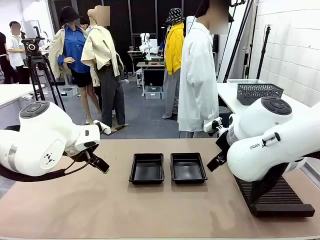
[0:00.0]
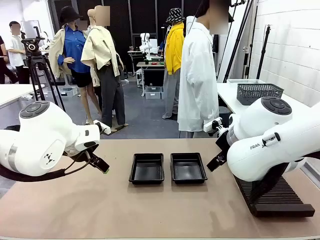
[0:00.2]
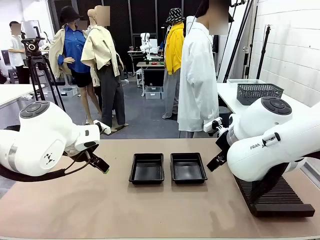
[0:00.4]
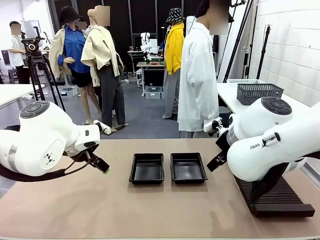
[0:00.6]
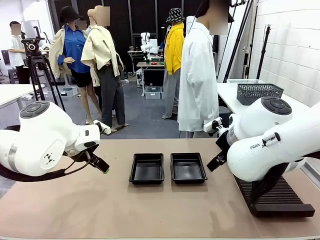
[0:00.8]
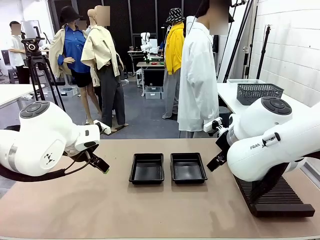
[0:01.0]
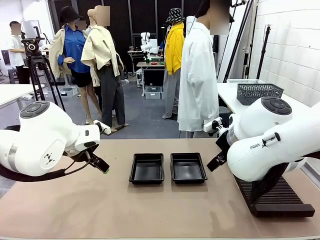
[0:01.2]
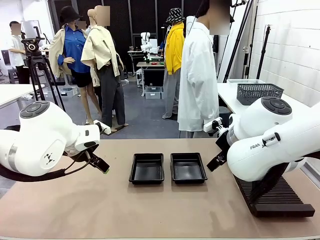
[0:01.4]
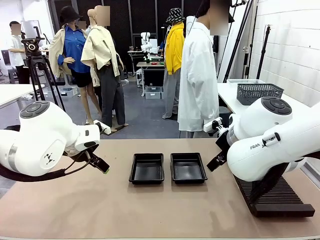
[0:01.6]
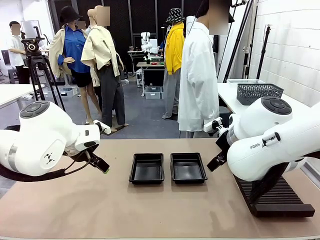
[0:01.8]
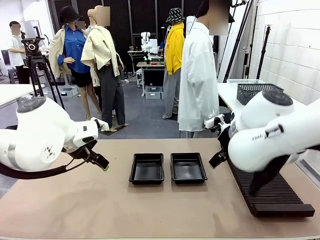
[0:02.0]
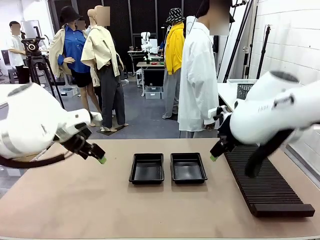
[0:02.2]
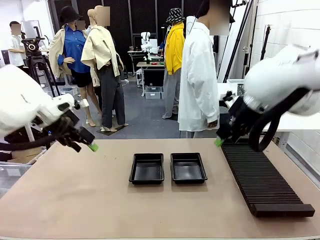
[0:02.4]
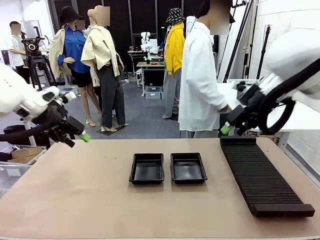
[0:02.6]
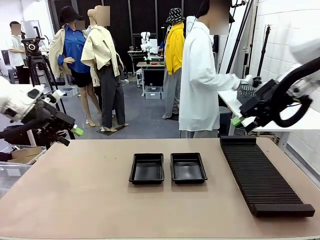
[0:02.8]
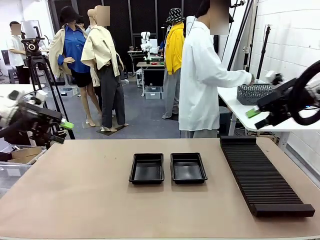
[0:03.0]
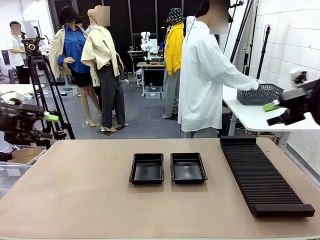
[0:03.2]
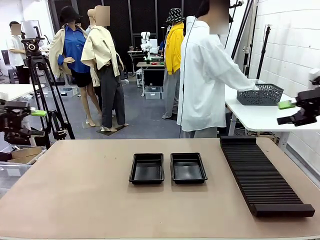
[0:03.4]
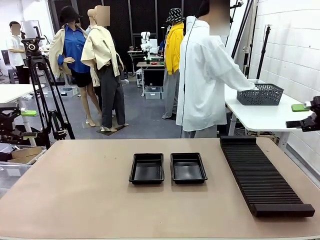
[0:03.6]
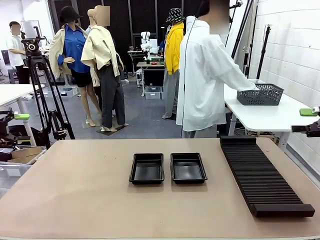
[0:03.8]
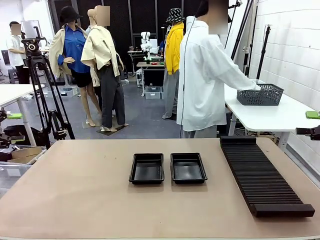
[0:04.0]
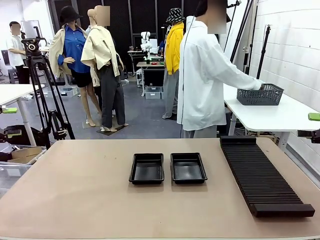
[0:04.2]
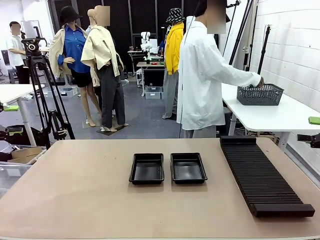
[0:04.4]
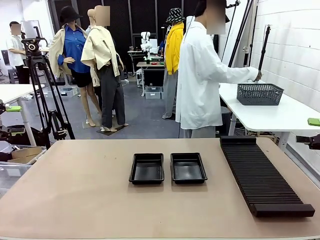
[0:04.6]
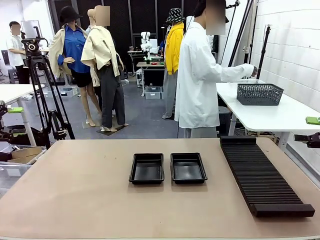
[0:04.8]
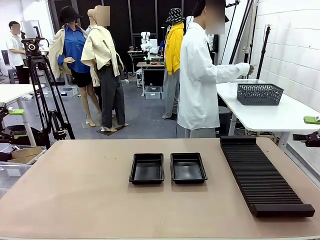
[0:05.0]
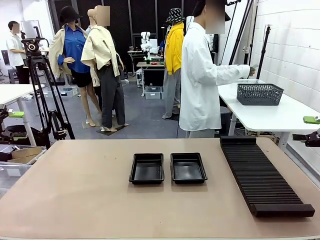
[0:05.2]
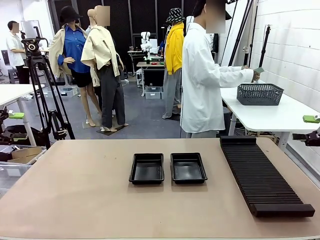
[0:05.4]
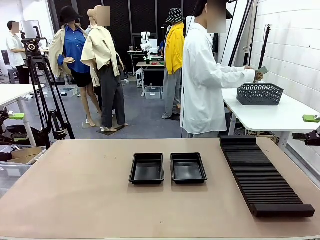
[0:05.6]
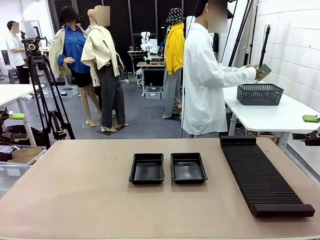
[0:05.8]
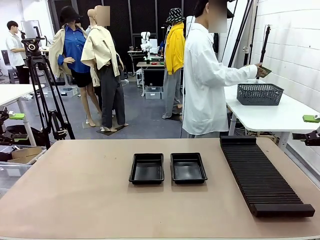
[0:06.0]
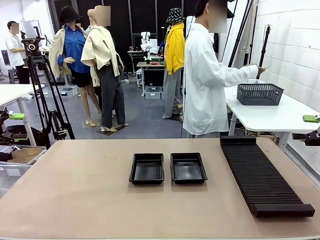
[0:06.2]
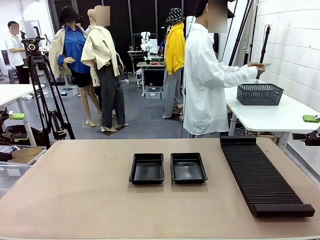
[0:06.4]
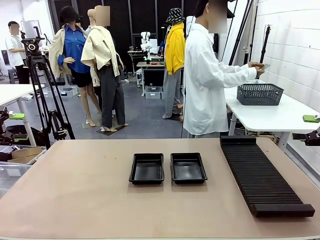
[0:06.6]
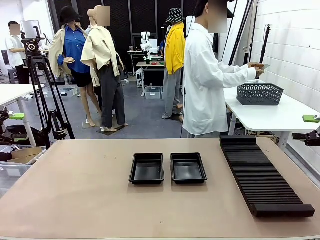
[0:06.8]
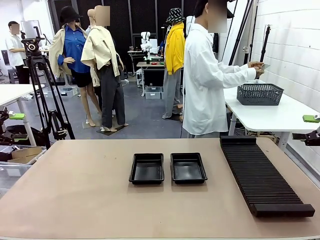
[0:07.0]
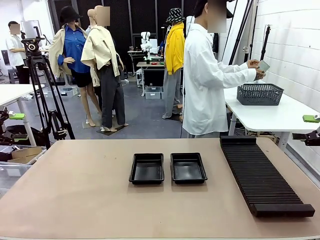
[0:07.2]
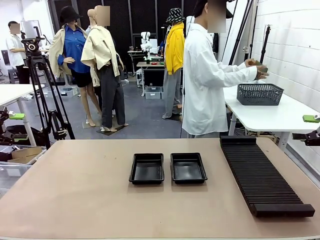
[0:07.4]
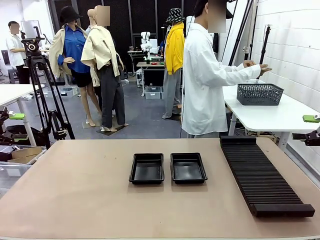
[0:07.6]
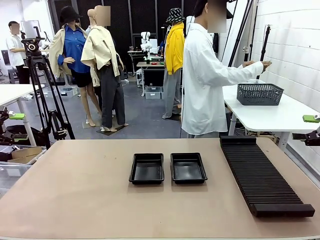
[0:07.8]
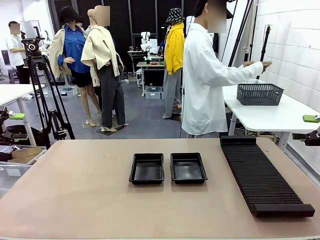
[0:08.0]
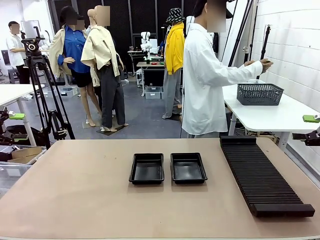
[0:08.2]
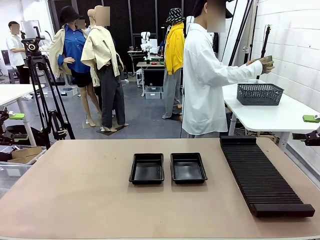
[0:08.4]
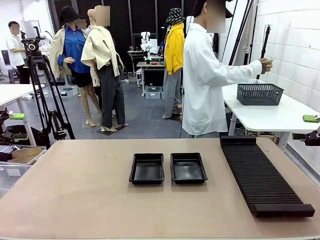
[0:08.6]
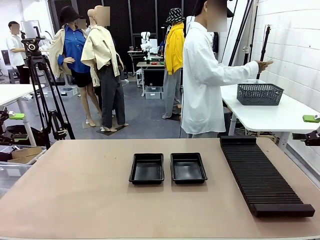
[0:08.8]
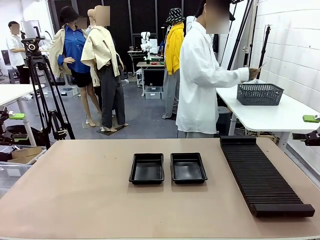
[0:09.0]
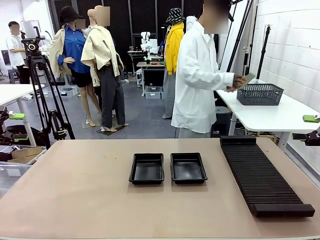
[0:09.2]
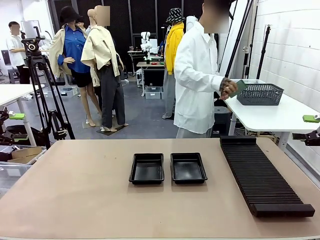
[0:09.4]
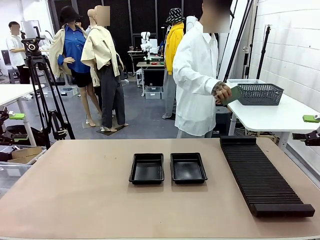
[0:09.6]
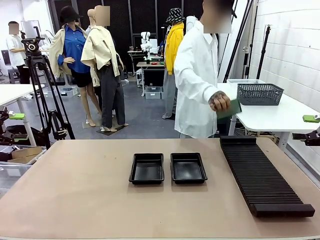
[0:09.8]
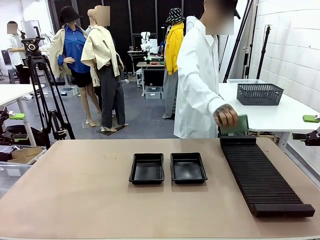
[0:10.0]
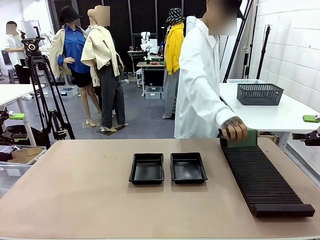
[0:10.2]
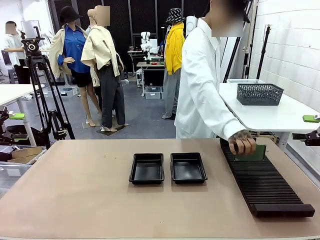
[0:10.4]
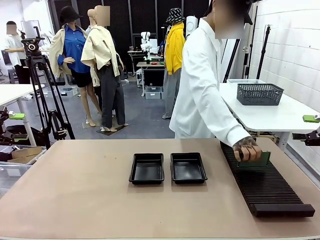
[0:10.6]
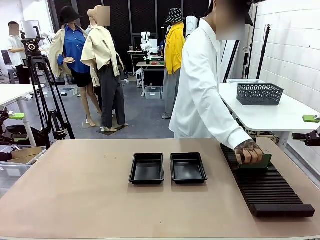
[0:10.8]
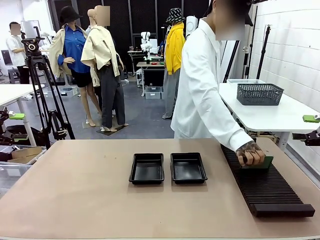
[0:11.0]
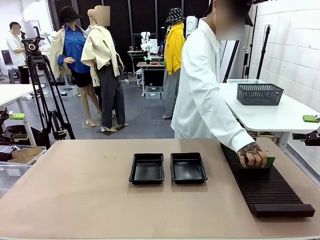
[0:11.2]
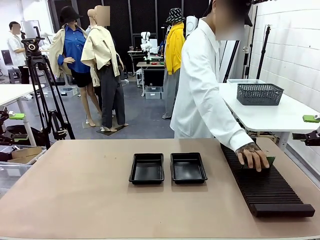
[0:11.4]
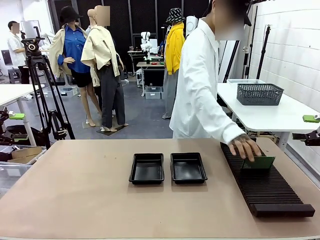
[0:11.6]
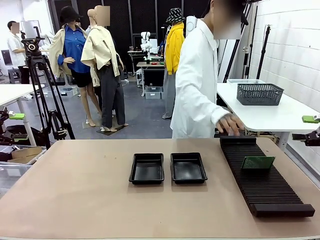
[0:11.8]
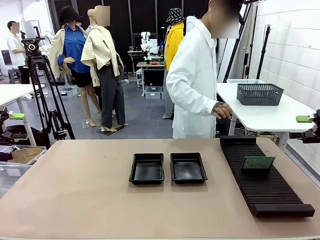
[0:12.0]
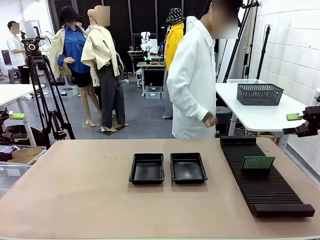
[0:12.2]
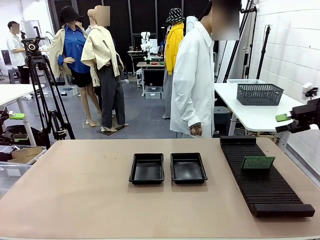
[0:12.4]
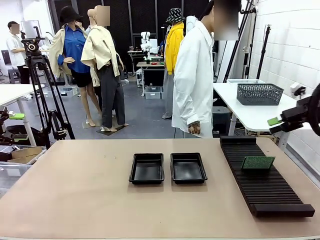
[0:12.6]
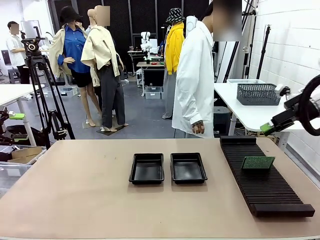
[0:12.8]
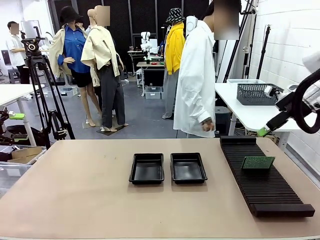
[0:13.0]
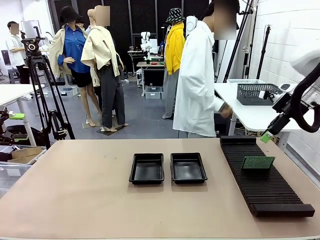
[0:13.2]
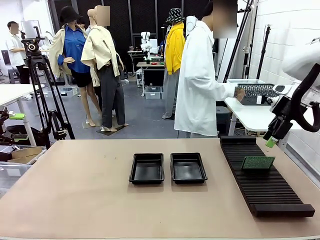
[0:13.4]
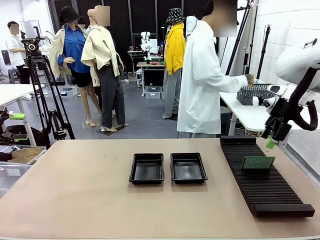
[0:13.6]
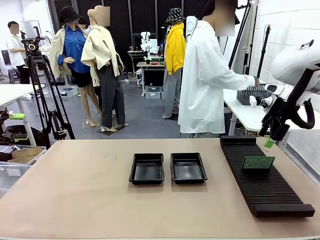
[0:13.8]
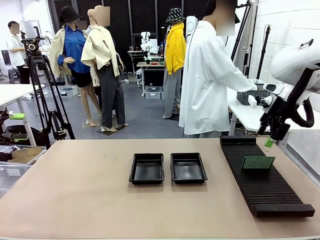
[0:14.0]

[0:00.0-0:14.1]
Task: Inspect and transfer BCBs to ESD trays.
Robot: Pick up the Blank PCB from the PCB Rack and place it in the left ESD tray.

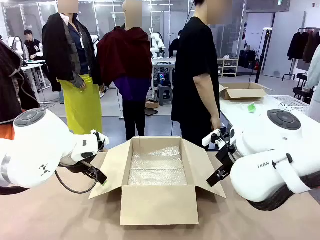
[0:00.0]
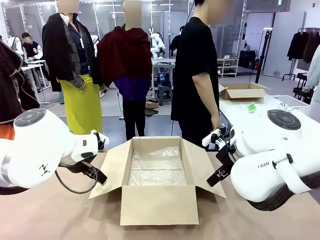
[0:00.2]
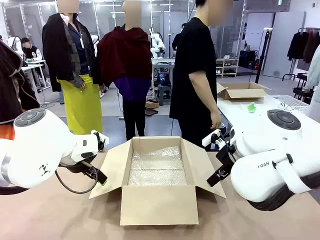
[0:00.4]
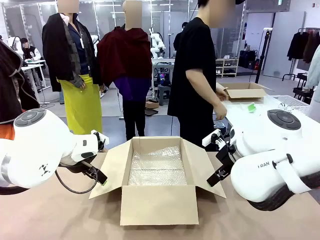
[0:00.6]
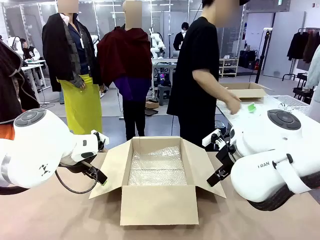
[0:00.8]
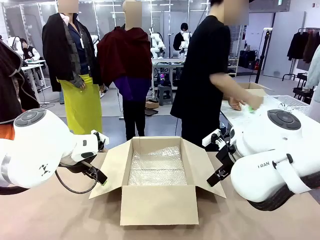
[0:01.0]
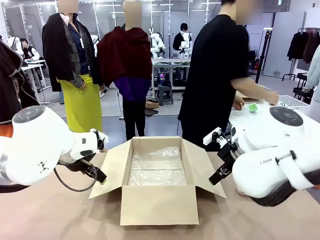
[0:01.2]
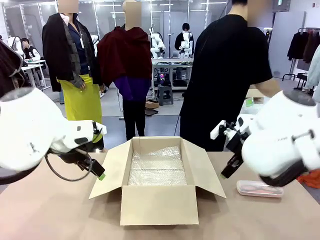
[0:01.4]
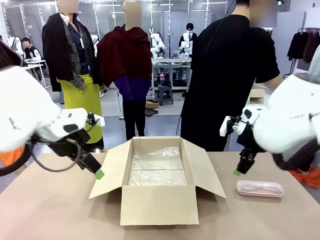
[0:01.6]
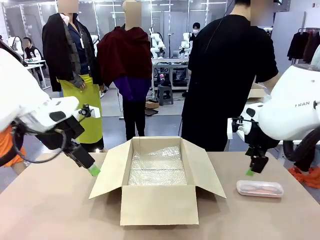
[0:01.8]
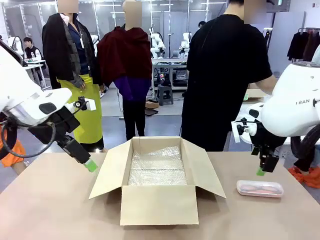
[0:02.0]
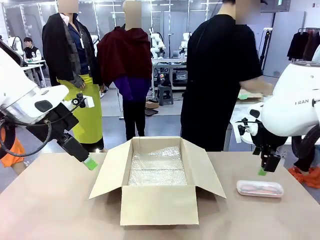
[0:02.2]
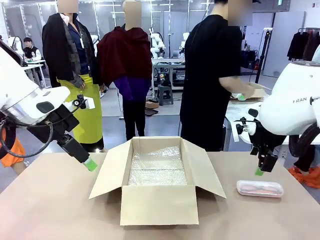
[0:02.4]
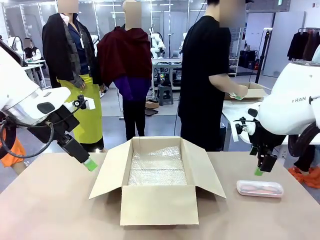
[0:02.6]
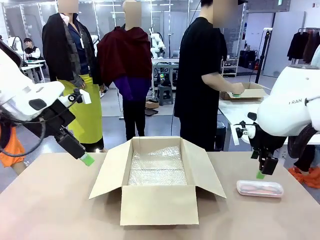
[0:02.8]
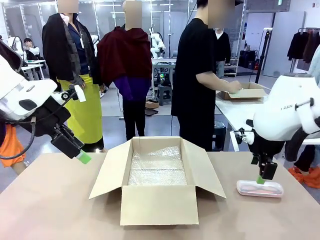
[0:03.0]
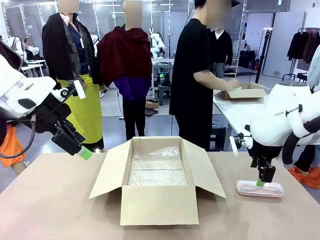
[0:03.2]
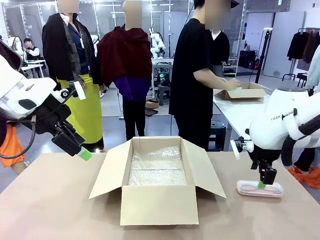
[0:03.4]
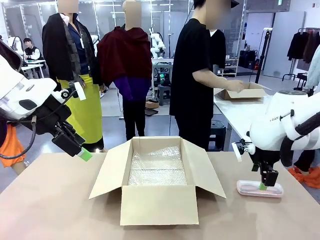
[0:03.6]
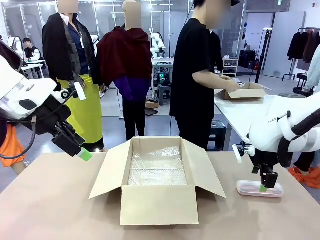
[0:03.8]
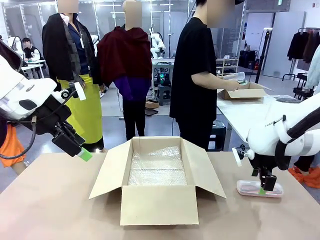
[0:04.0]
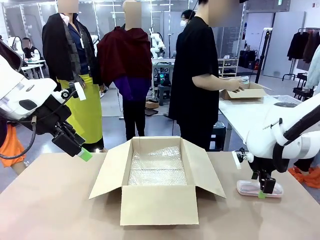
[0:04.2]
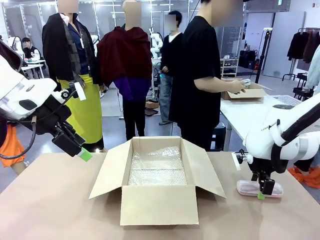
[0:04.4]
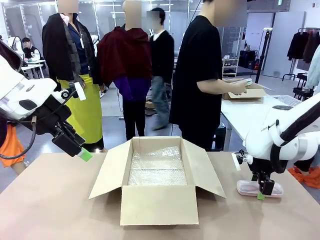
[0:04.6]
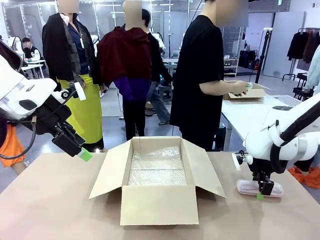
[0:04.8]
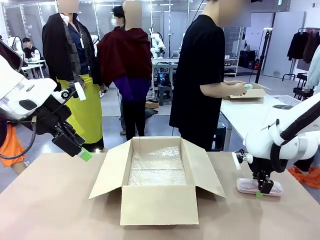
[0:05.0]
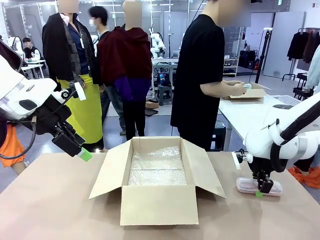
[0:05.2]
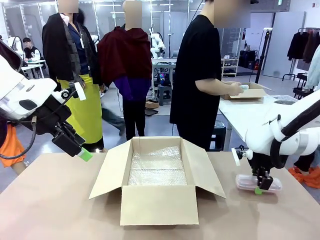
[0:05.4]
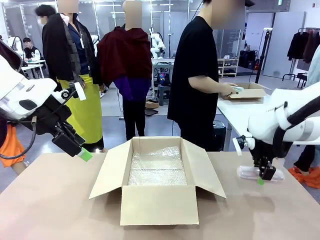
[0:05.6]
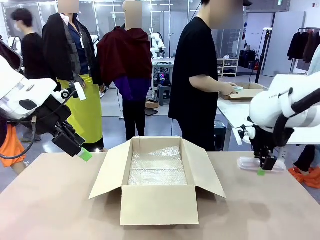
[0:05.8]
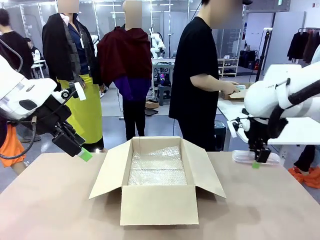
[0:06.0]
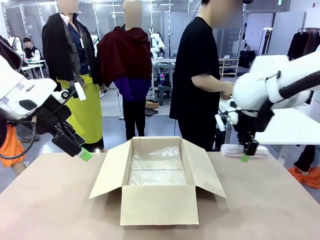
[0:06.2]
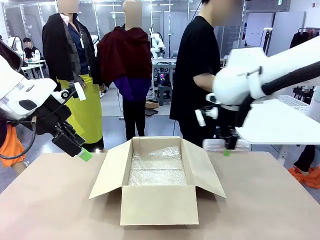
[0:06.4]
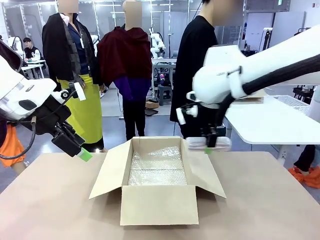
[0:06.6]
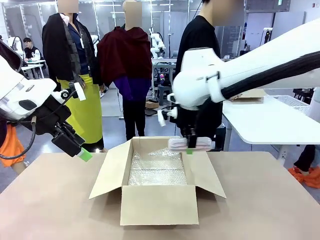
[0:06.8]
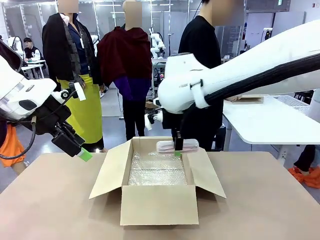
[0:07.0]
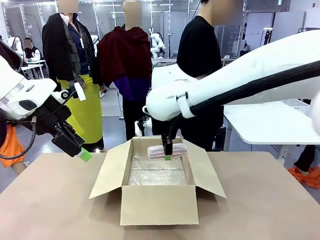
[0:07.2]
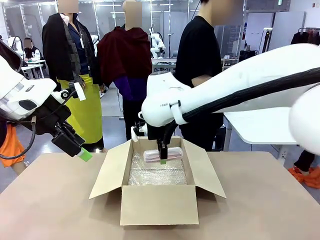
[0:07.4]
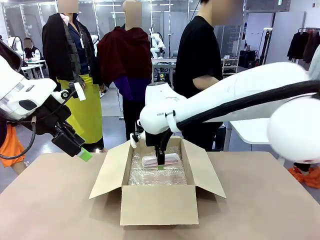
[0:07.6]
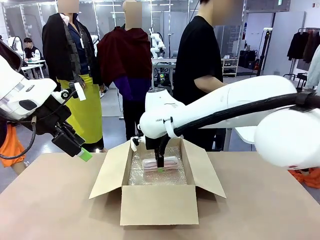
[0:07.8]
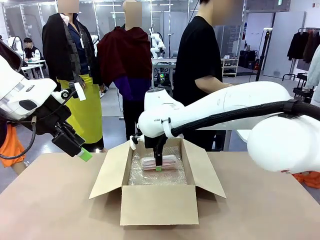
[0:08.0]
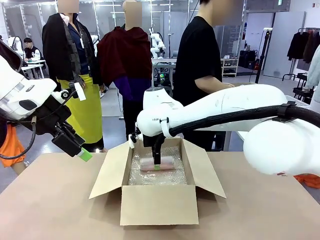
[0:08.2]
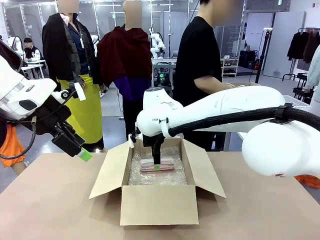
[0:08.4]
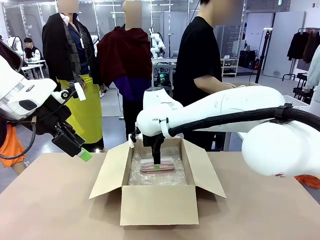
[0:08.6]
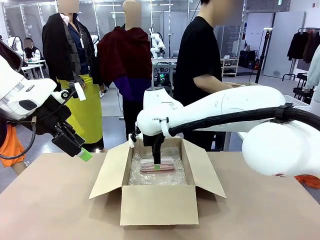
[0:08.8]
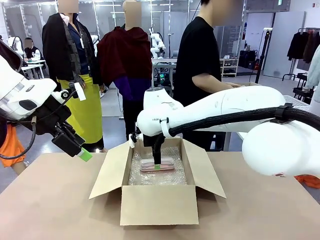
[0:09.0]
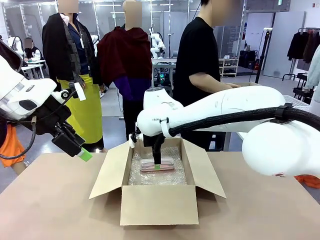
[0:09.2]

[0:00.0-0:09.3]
Task: Pack the glasses set securely to prepare it for shipping.
Robot: Place the Glasses case inside the Package Box.
Person: Place the Glasses inside the Glasses case.
